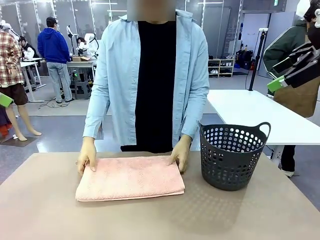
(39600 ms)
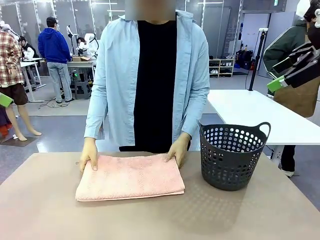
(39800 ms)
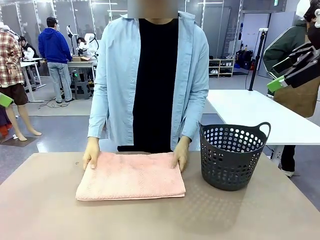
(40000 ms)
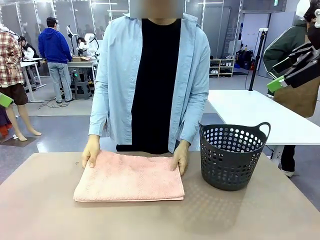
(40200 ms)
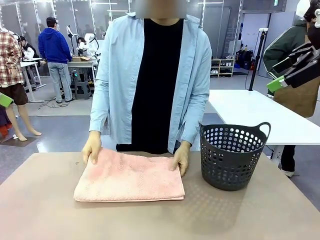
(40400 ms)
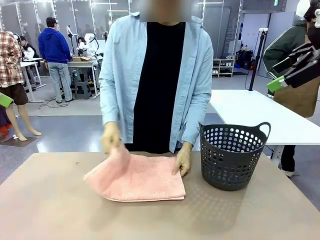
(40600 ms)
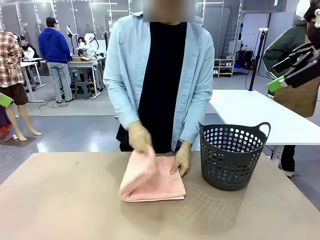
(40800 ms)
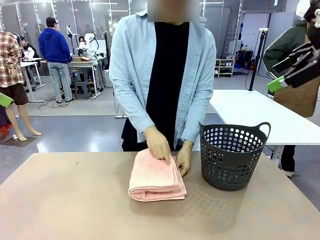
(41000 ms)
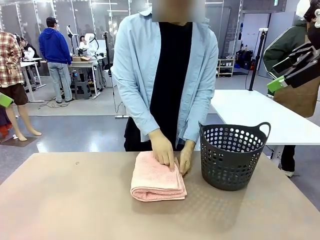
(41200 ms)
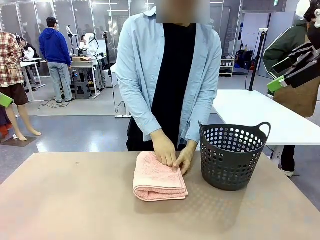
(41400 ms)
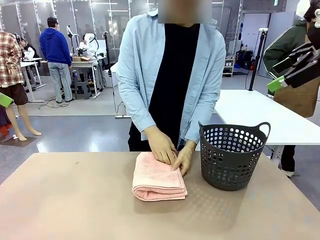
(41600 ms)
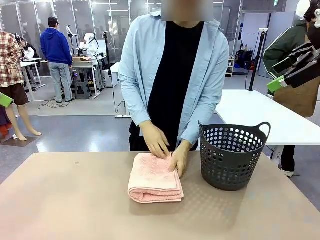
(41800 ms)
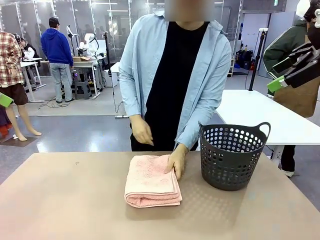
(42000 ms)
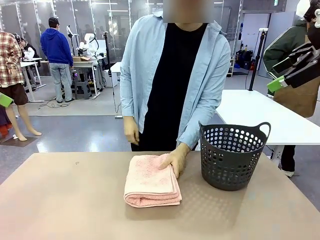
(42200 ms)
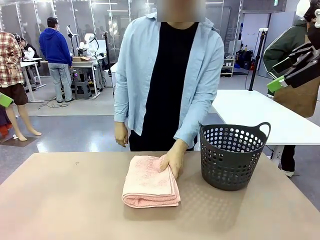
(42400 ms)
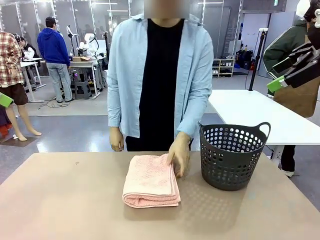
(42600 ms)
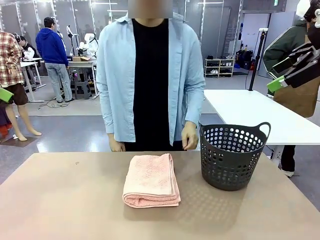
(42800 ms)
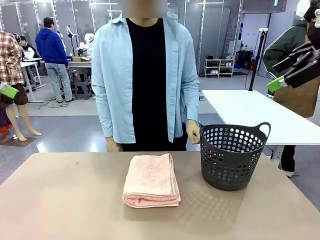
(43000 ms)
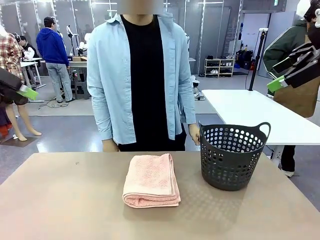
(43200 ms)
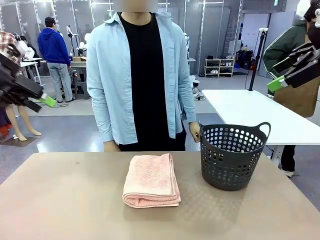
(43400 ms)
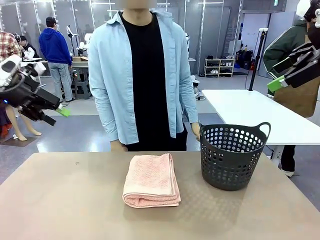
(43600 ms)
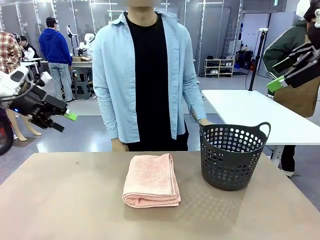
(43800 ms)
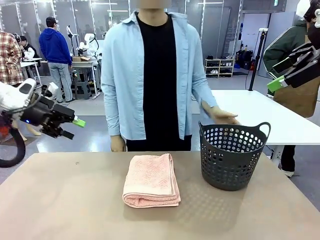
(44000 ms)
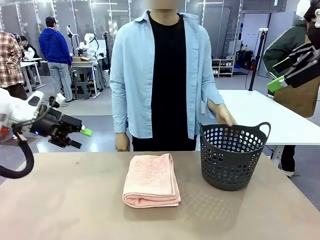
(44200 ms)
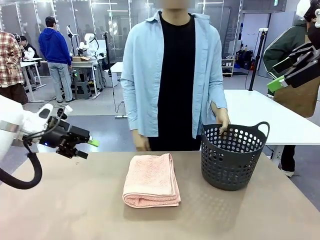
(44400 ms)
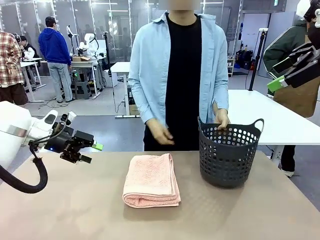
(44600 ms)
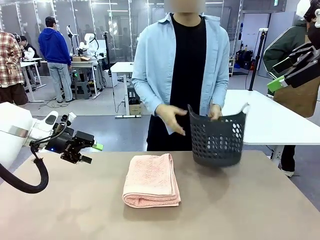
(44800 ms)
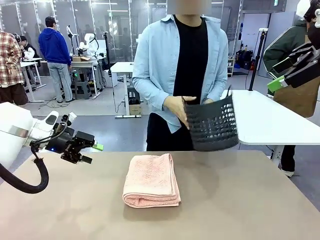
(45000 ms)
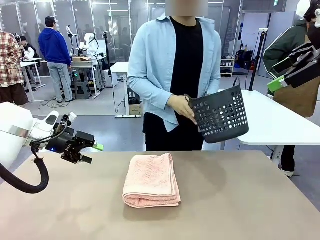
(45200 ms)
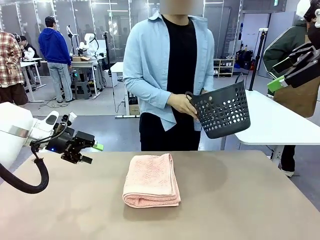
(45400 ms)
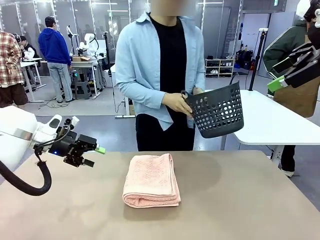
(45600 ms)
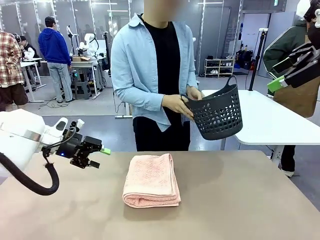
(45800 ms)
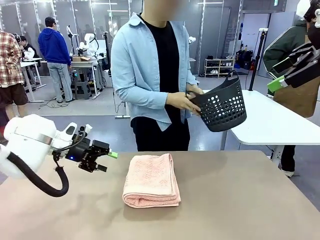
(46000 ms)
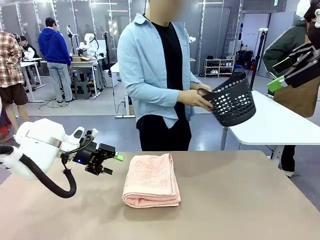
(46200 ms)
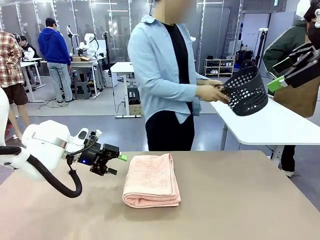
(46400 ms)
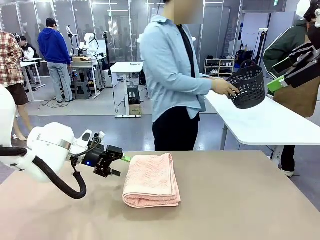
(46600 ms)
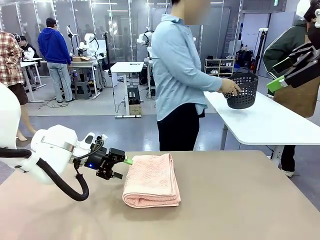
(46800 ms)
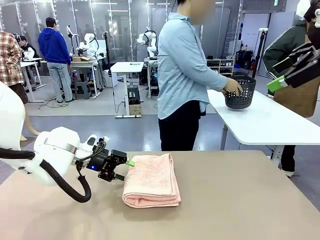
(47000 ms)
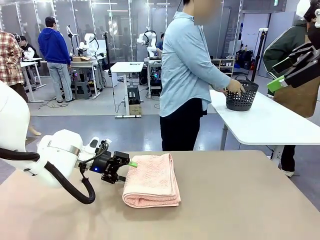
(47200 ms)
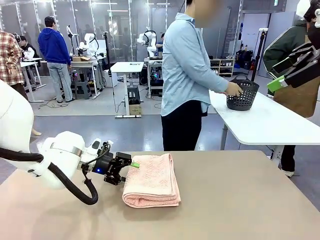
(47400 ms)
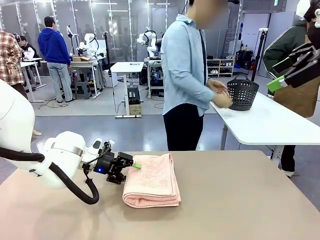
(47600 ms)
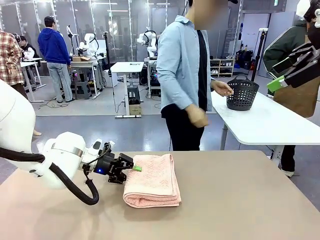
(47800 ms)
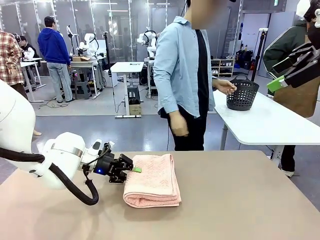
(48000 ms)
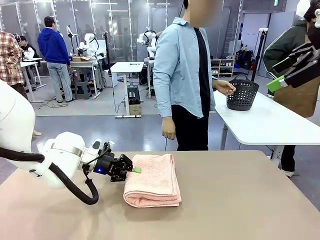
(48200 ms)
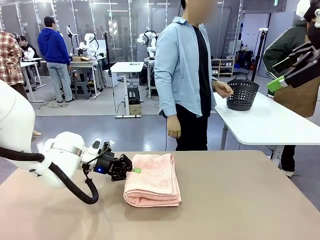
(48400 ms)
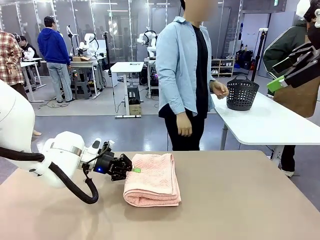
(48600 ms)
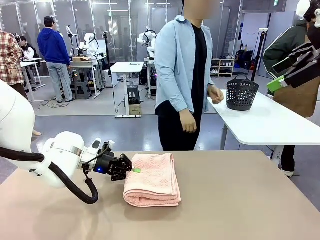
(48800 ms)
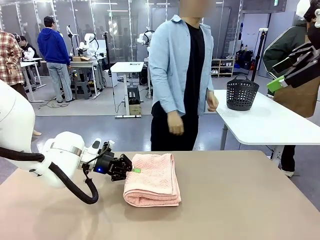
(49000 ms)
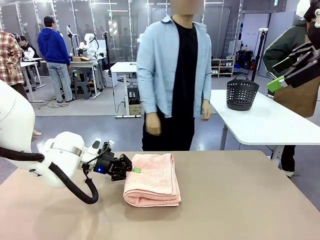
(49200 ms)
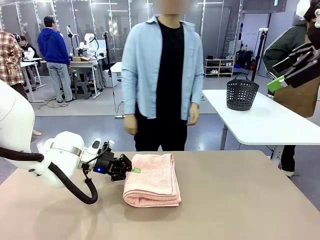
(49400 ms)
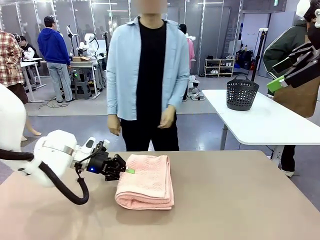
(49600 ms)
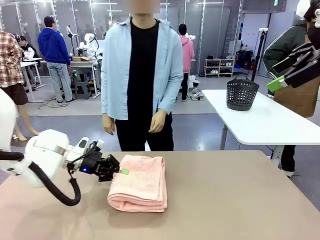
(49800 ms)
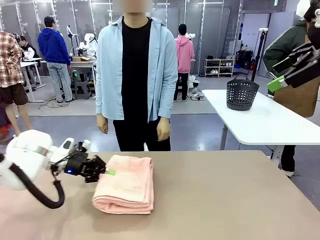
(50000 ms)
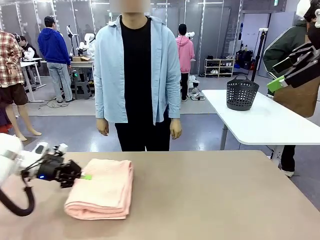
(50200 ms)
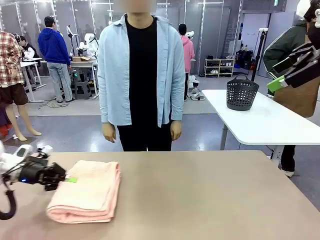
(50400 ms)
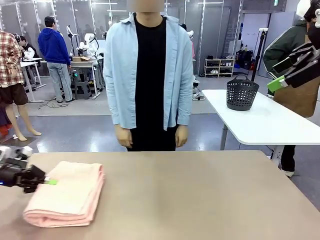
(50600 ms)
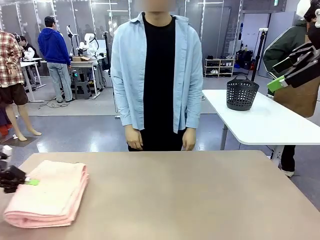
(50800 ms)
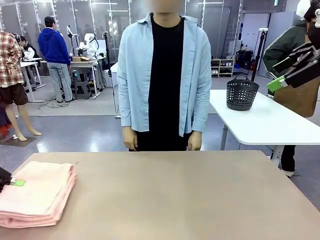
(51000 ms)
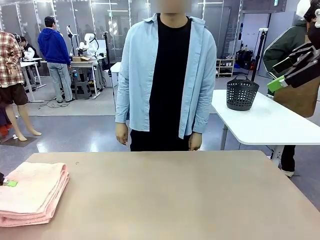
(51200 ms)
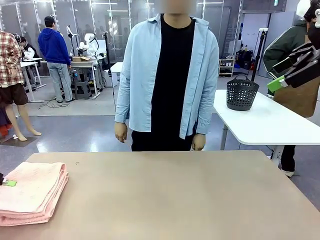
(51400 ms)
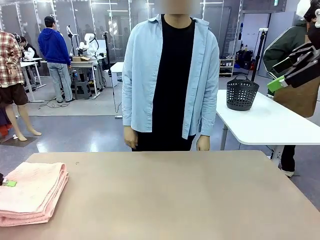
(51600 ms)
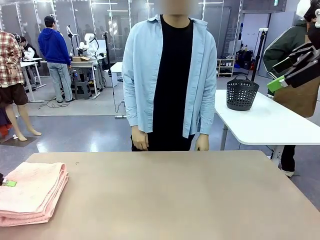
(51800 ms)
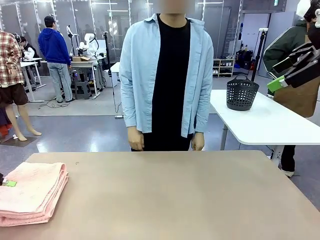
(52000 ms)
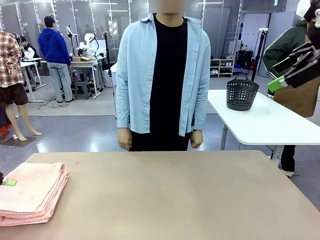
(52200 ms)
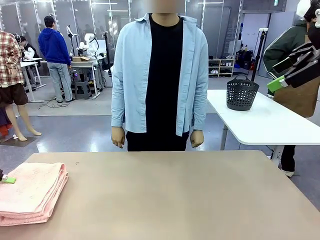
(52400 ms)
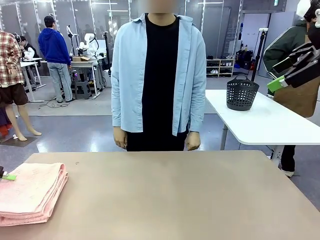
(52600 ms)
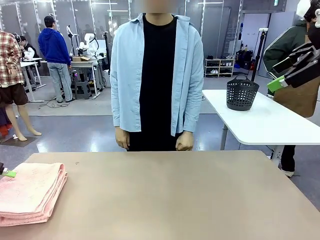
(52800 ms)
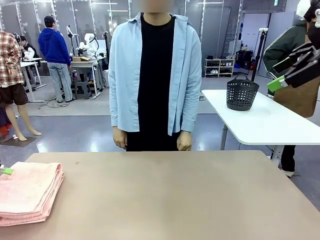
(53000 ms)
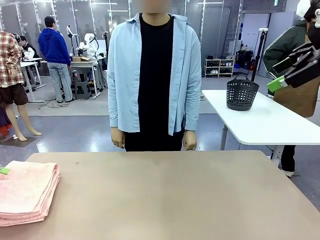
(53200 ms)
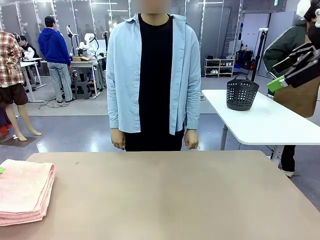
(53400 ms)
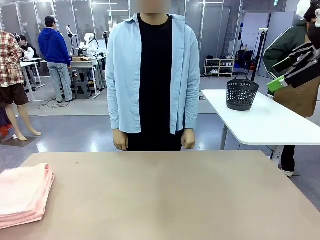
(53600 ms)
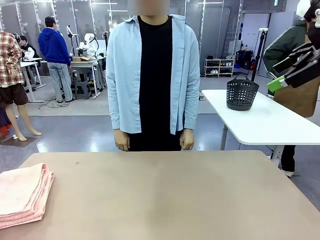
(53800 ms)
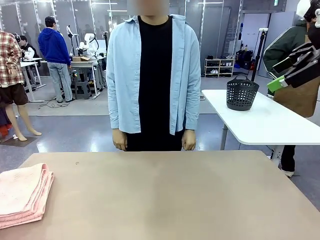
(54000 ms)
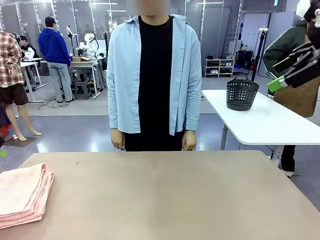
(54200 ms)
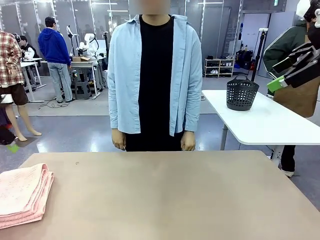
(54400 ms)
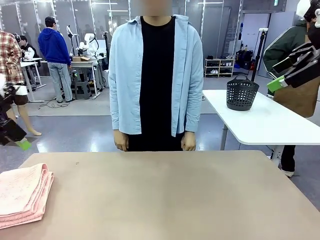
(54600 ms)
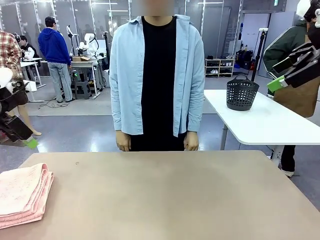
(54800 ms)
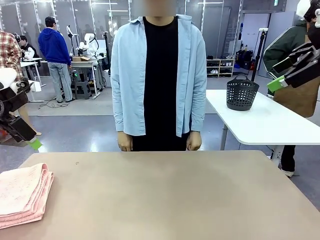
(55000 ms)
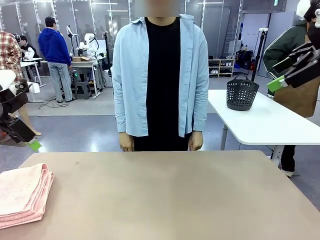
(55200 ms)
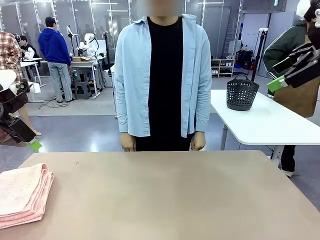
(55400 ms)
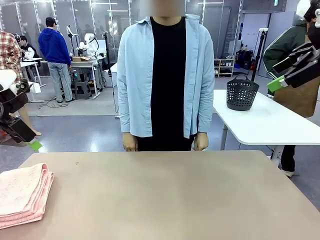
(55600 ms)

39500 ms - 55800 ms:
Task: Fold the towel.
Robot: Pick up the 100 cm Hotel Towel and place it on the left side of the table.
Person: Place the towel at the center of the robot table and fold it in half. Pick up the laundry basket and place it at the center of the human table.
